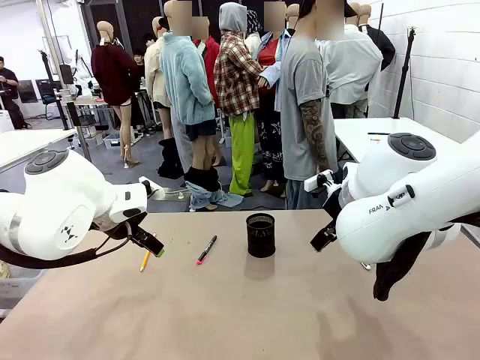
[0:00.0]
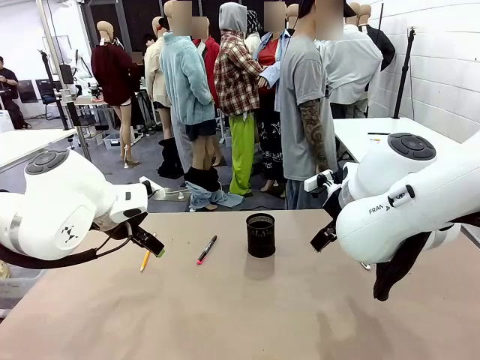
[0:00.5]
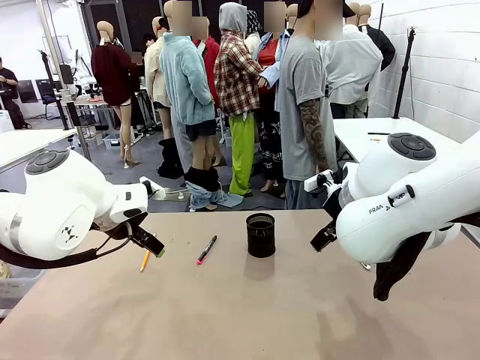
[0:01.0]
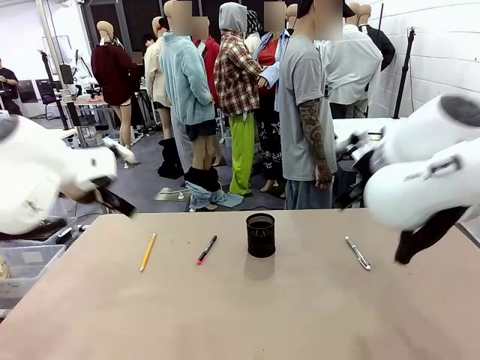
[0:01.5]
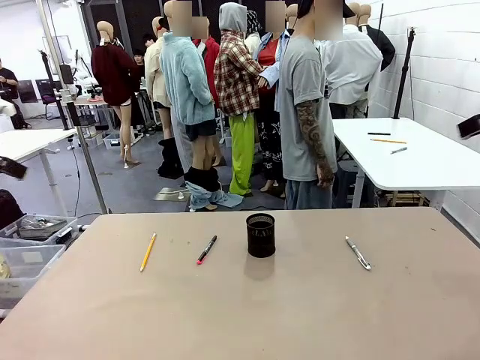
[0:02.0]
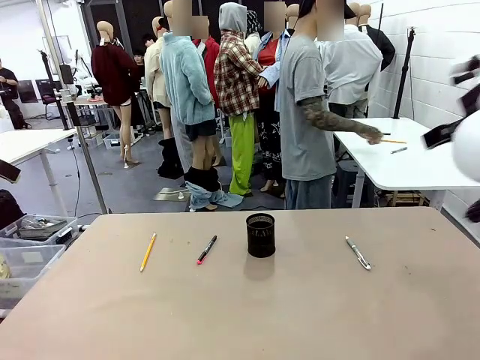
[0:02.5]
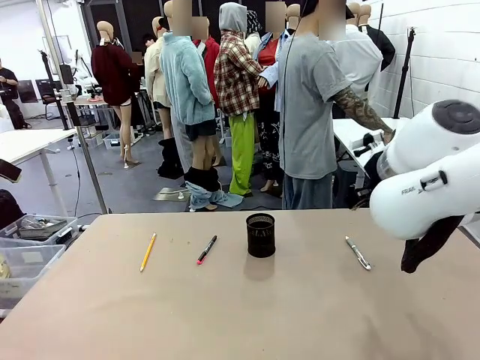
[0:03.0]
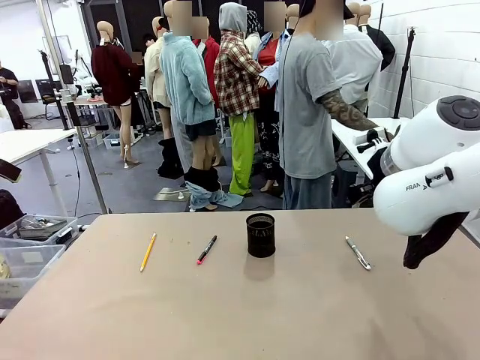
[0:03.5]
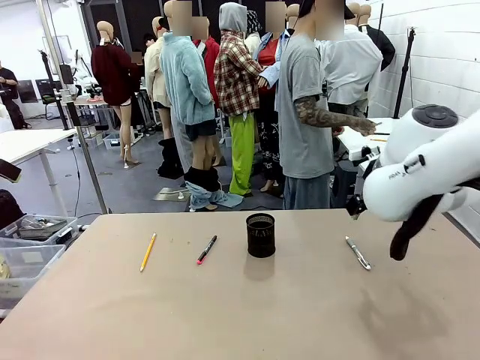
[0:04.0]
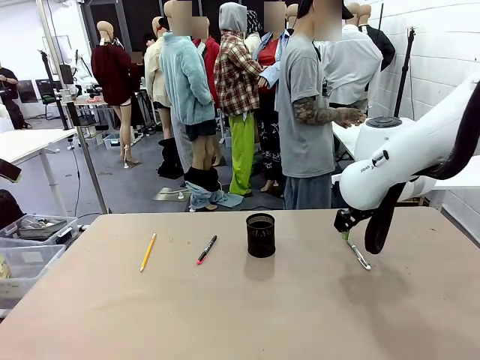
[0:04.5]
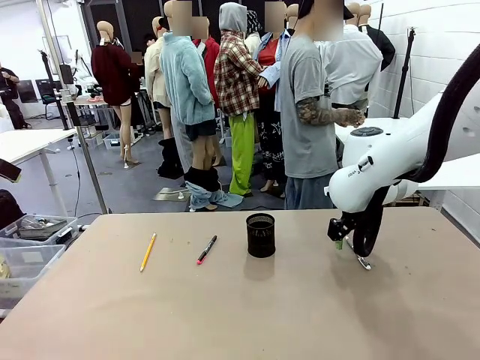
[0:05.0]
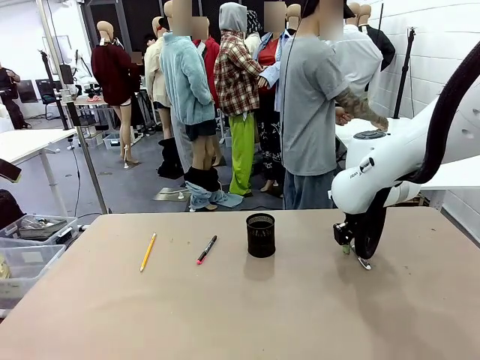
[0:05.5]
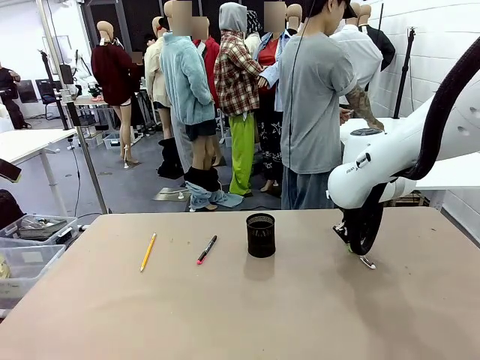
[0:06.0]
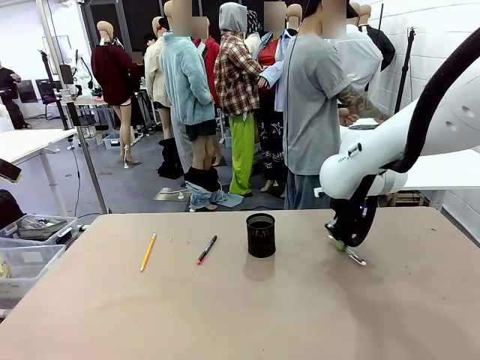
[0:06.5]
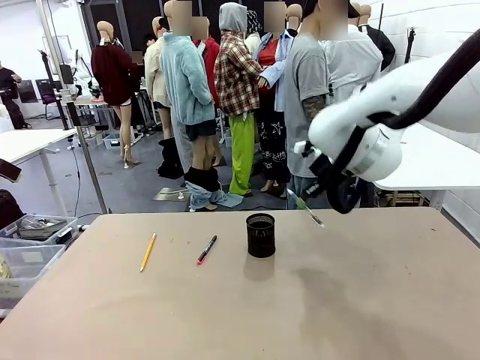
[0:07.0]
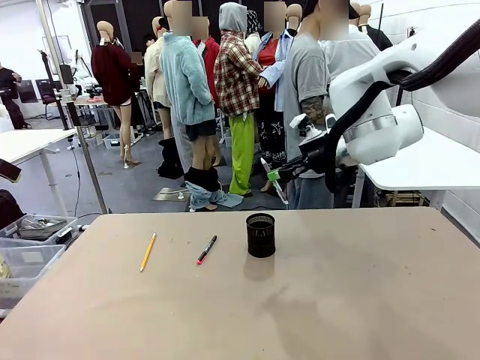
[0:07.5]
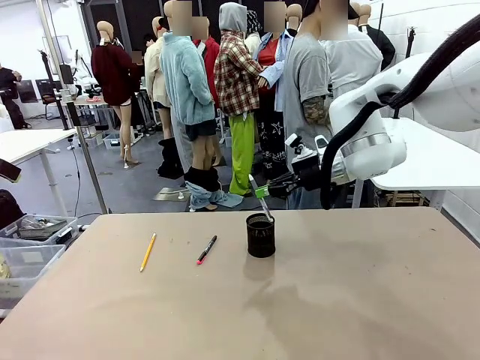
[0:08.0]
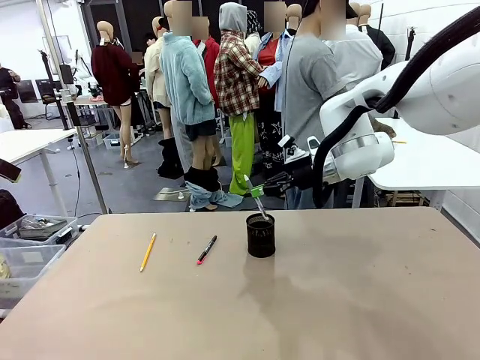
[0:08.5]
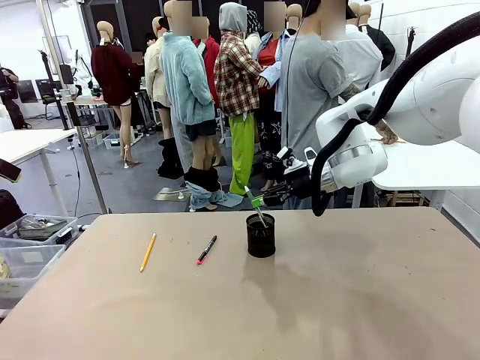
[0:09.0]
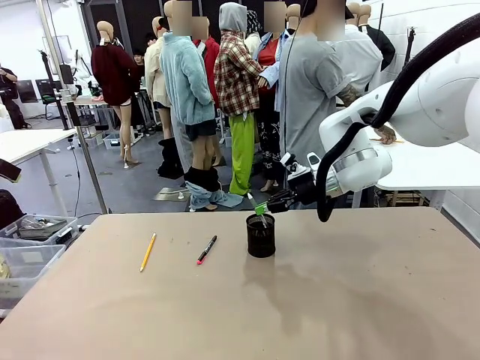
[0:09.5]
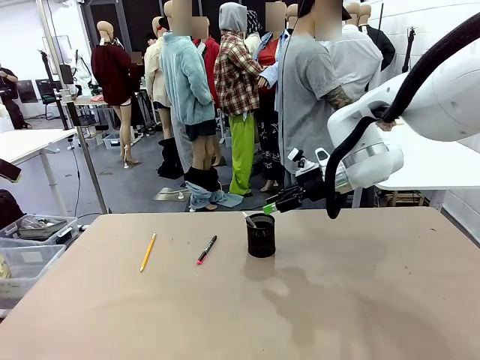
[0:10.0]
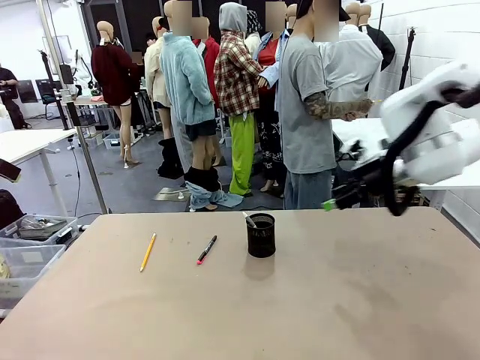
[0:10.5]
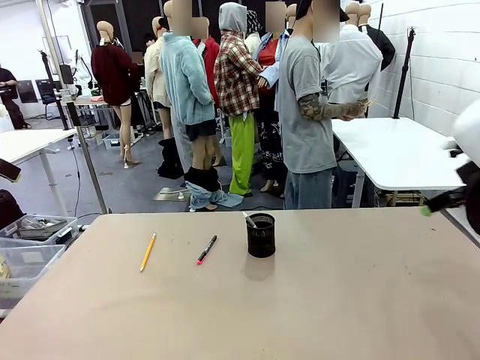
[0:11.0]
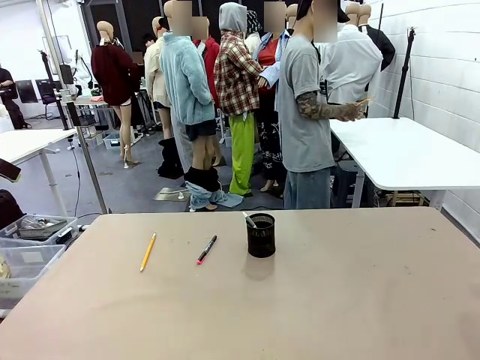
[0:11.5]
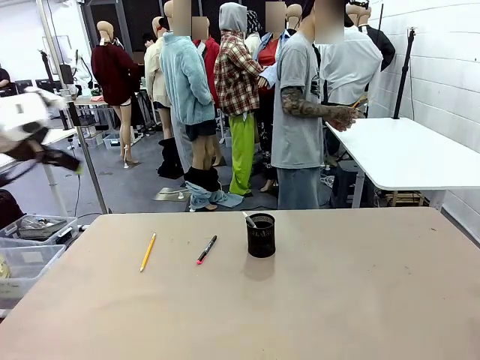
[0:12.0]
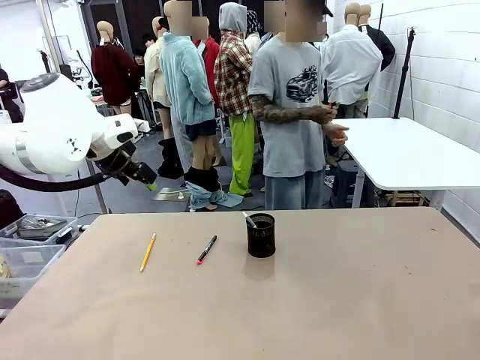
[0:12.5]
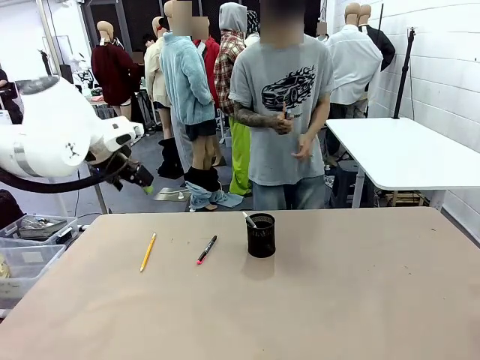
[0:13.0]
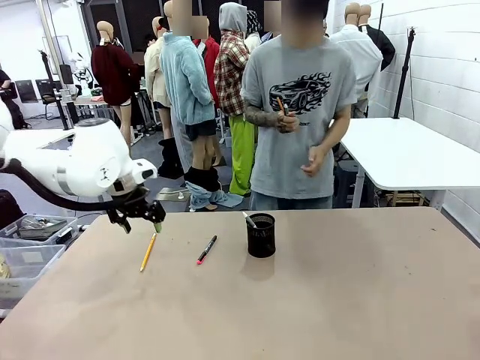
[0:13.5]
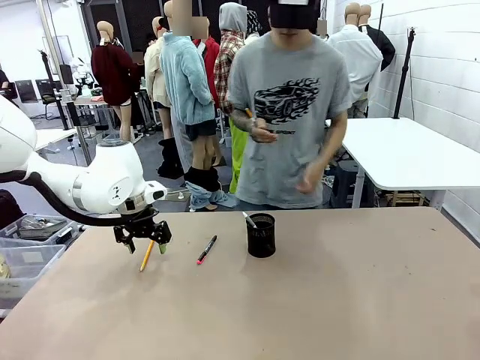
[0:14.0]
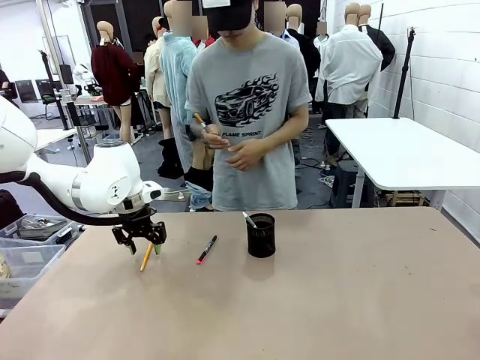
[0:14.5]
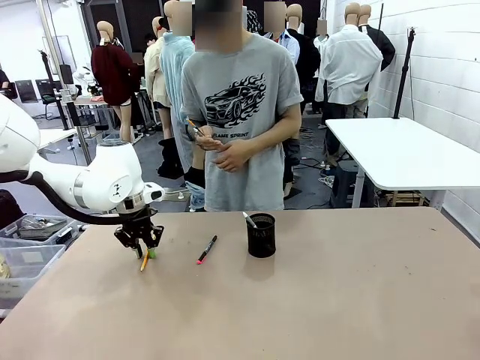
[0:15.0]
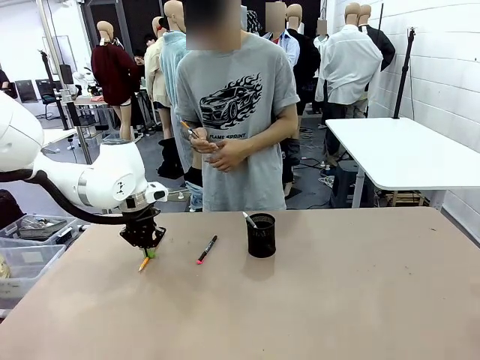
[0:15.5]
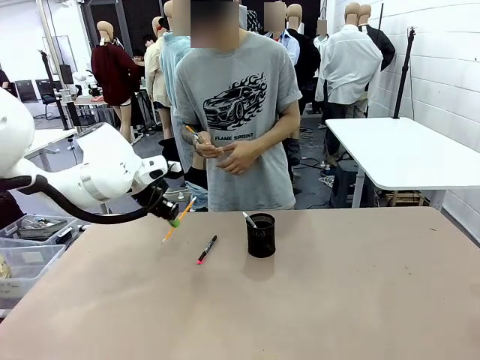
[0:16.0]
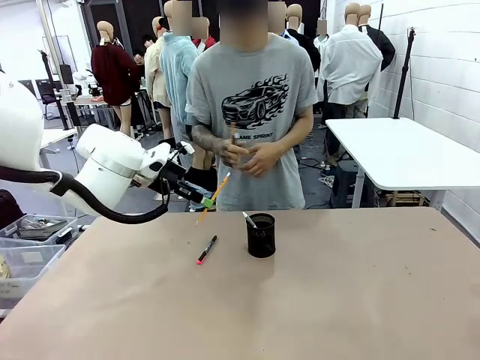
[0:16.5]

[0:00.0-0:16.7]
Task: Place the pens into the pen holder.
Robot: Pick up a writing instrument from the table and place it into the Pen holder.
Person: Pick up all writing instruments from the Human table.

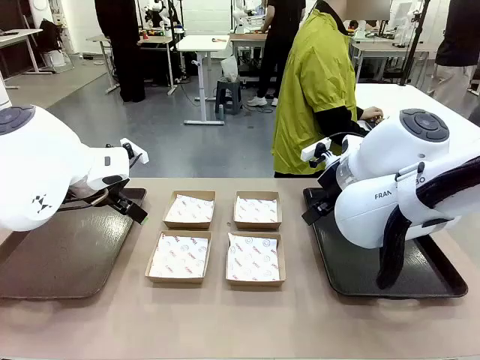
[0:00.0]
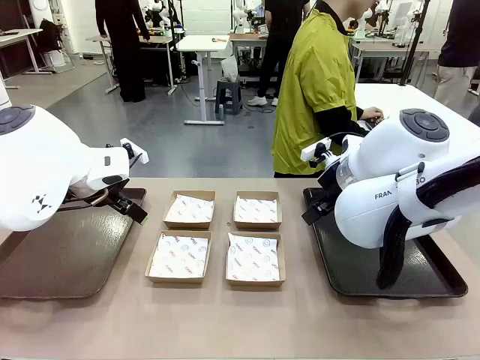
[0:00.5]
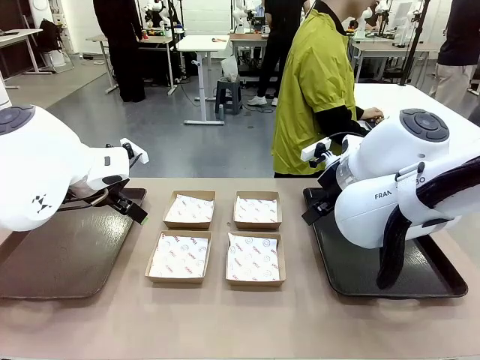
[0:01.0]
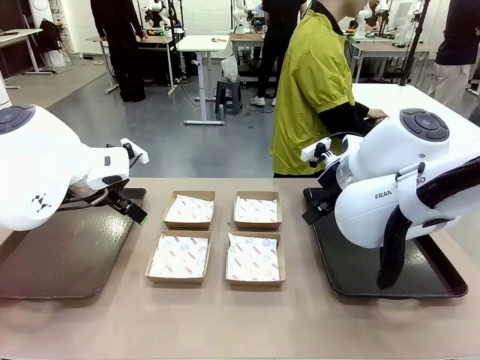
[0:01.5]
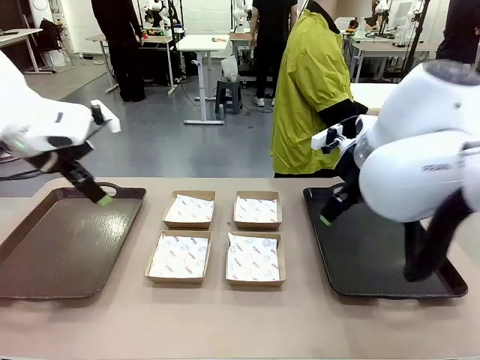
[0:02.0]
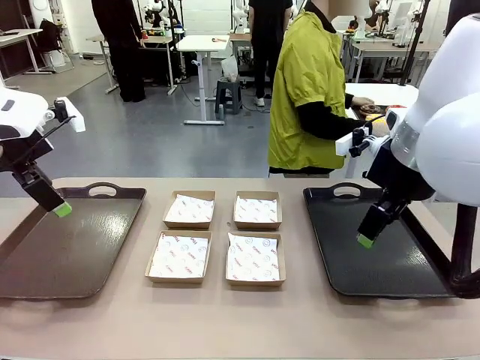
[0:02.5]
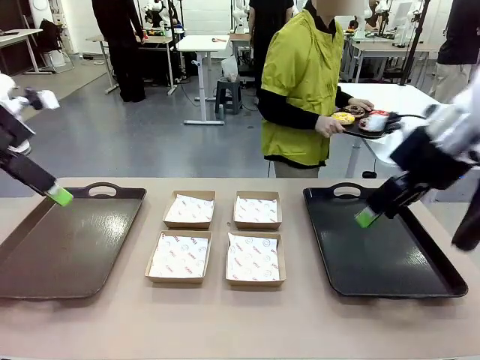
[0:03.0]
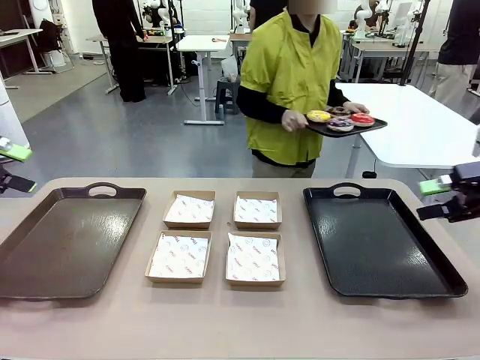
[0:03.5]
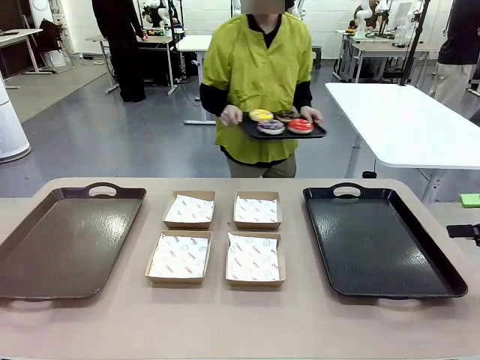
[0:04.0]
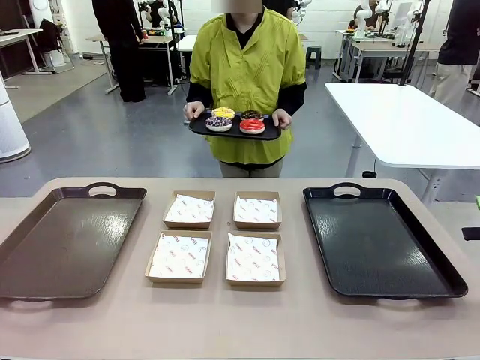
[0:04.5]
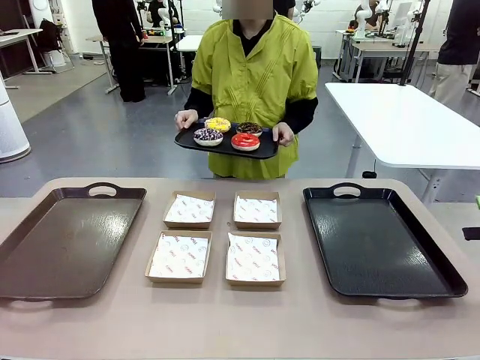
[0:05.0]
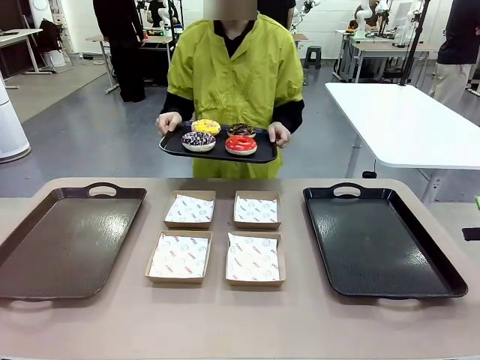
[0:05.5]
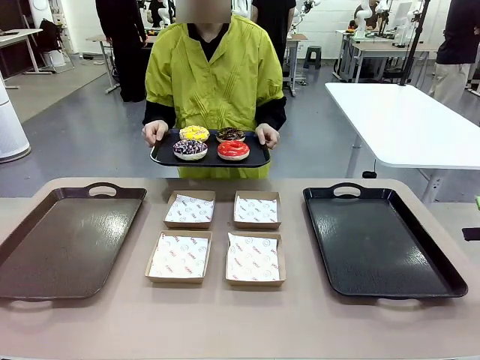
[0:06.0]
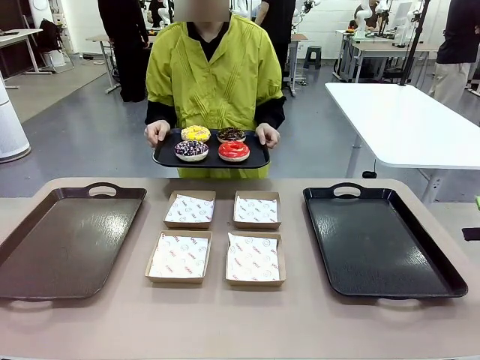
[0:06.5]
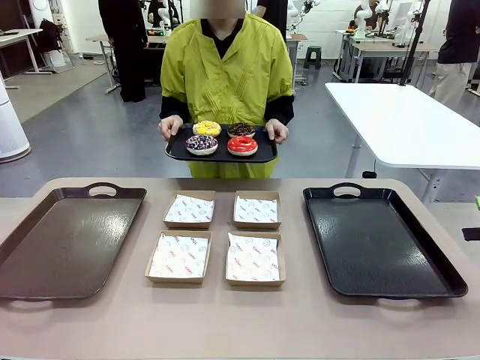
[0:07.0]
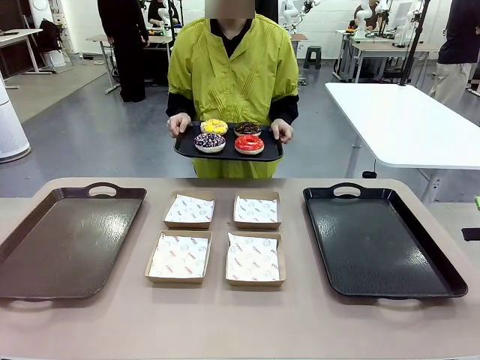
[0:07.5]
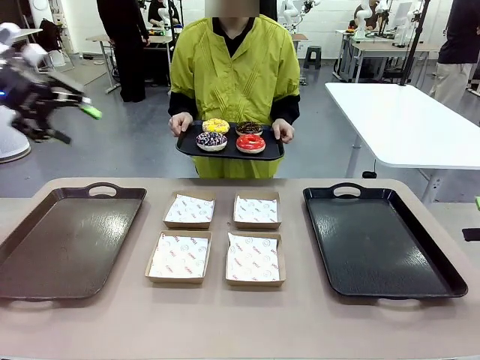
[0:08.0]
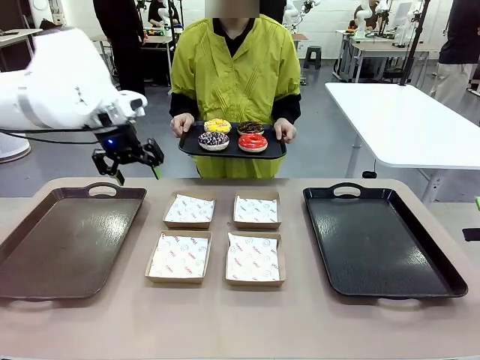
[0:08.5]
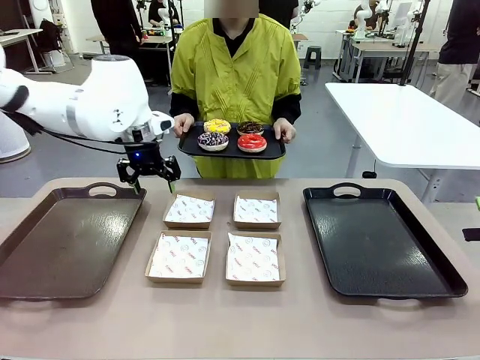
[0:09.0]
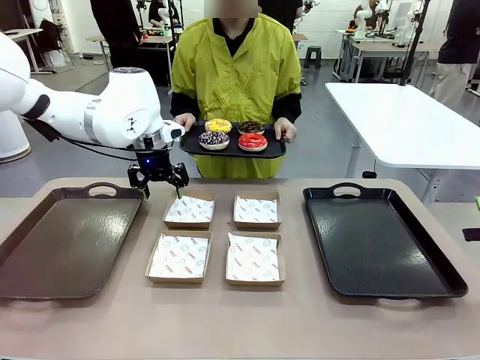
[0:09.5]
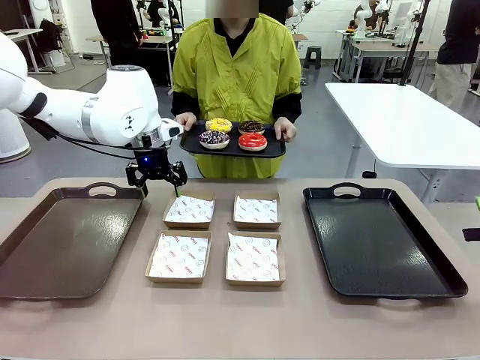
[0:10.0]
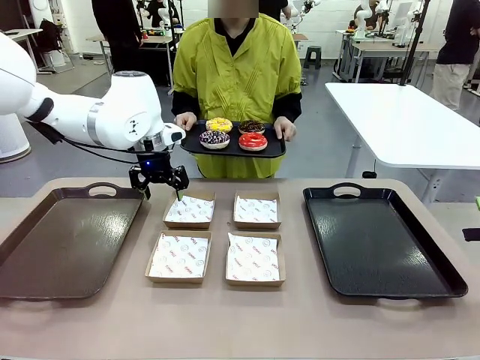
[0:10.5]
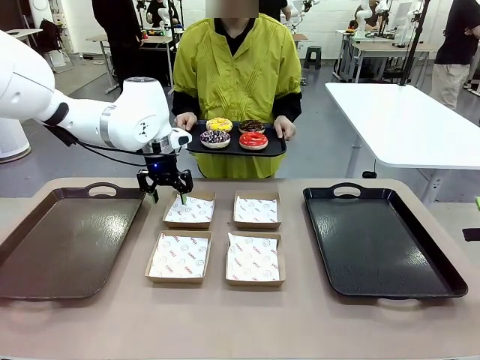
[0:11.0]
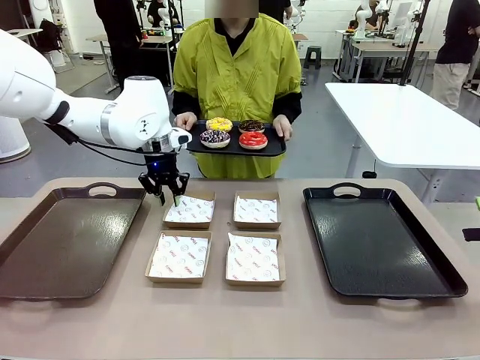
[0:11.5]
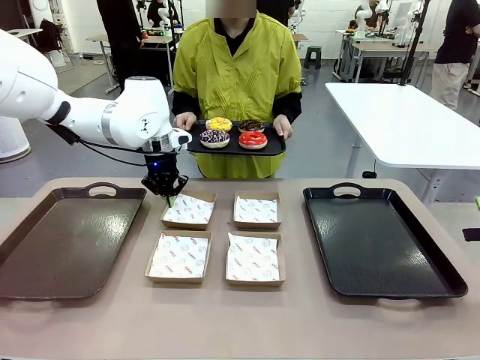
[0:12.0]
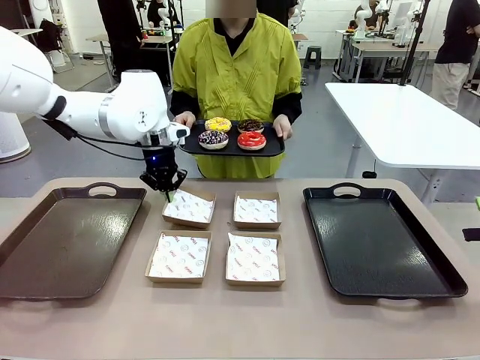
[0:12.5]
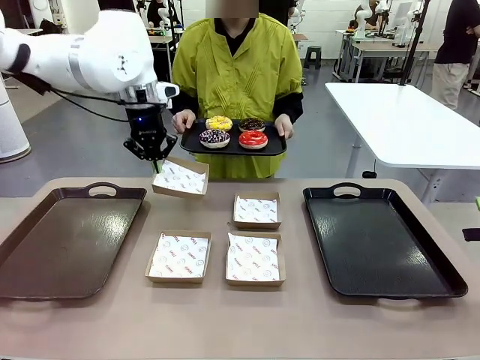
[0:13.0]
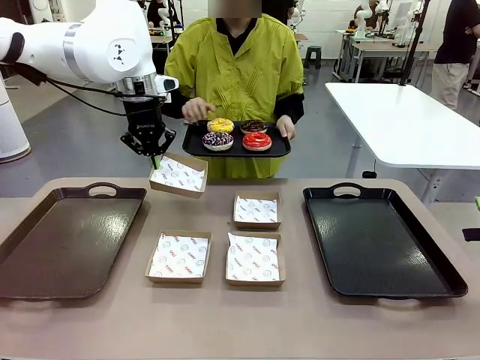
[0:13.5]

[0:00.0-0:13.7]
Task: Individually package the donuts and arrange them on the tray.
Robot: Pick up one Paper togo box.
Person: Stand in front of the robot table holding the tray containing the donuts.
